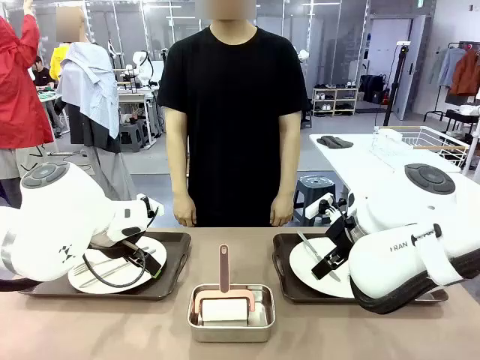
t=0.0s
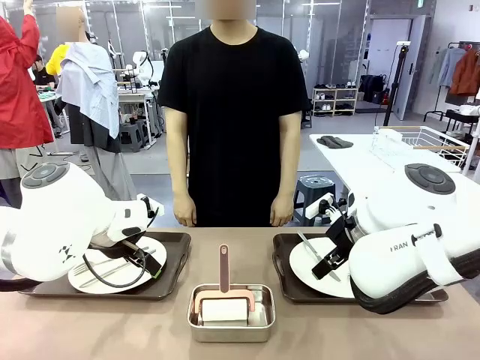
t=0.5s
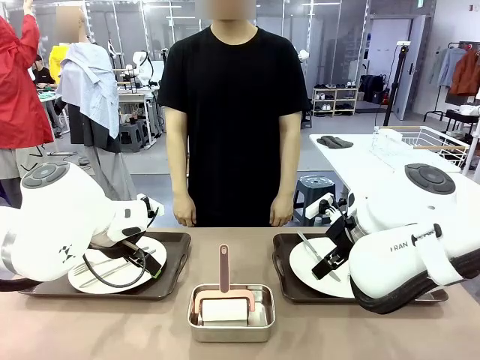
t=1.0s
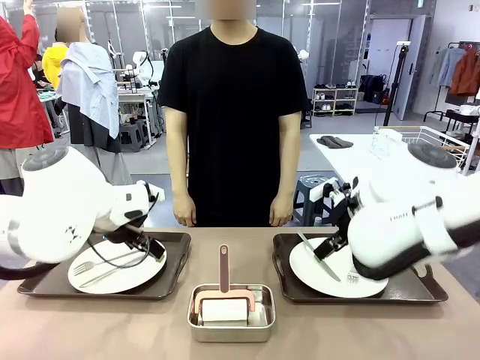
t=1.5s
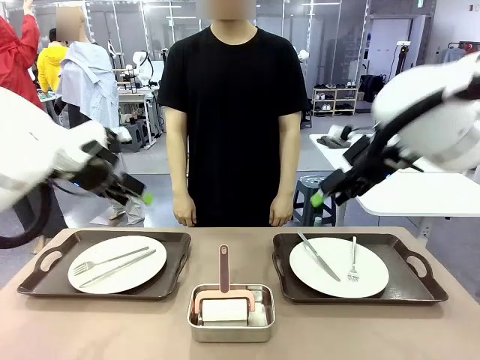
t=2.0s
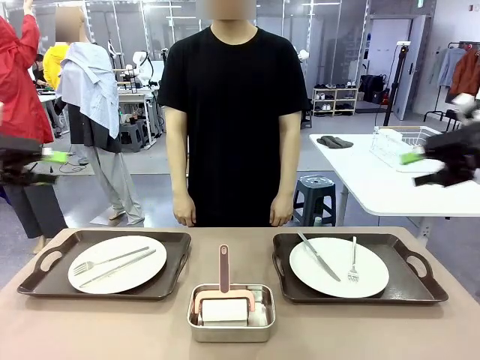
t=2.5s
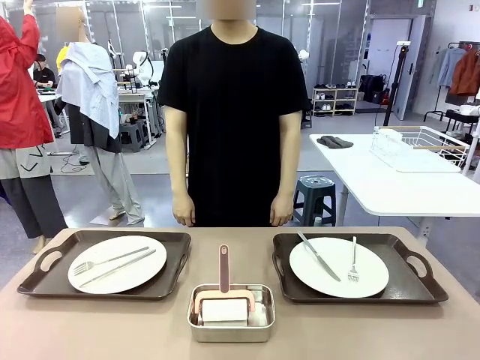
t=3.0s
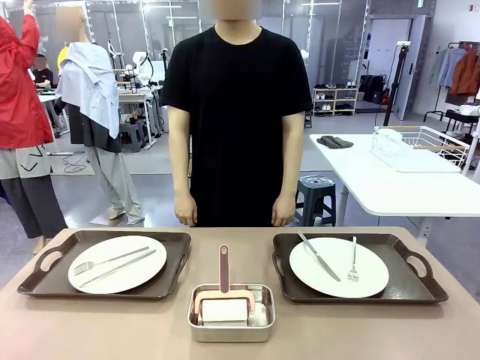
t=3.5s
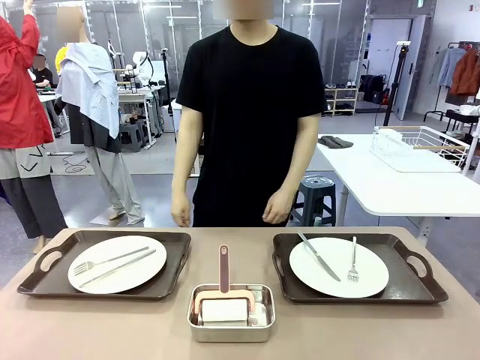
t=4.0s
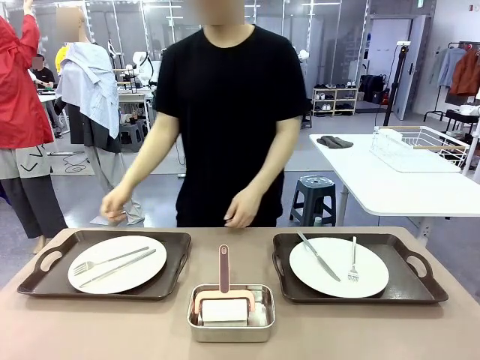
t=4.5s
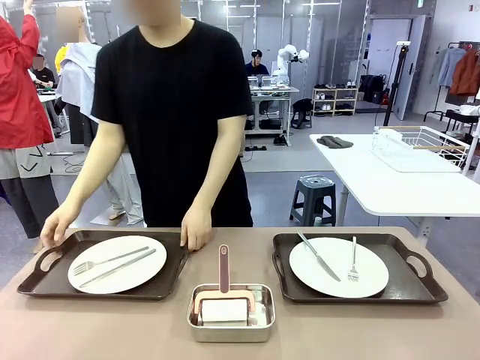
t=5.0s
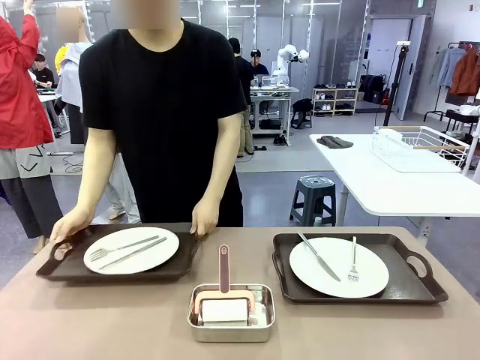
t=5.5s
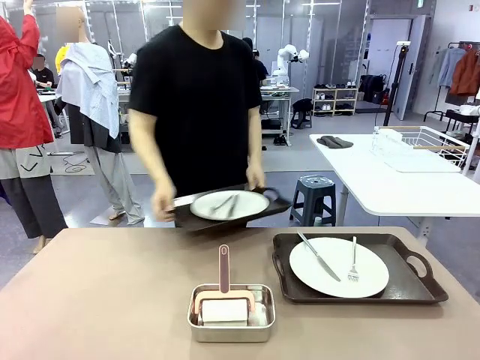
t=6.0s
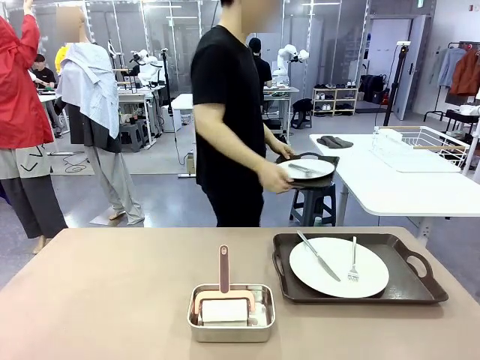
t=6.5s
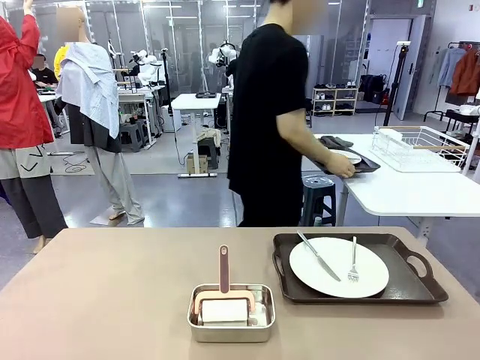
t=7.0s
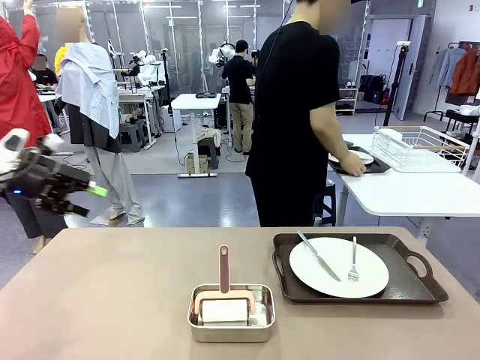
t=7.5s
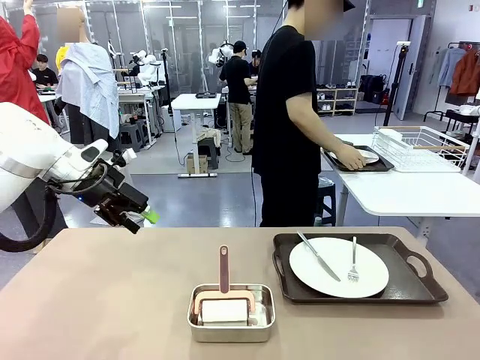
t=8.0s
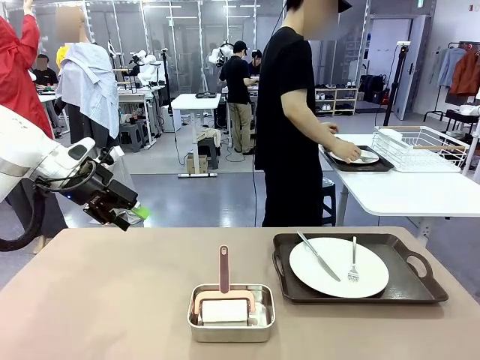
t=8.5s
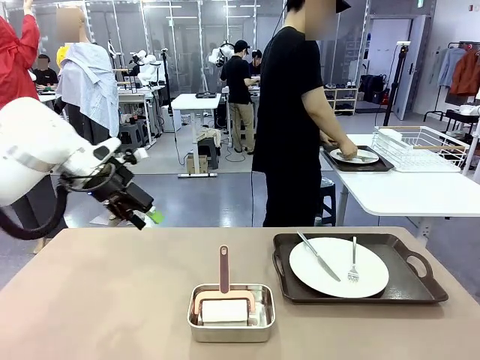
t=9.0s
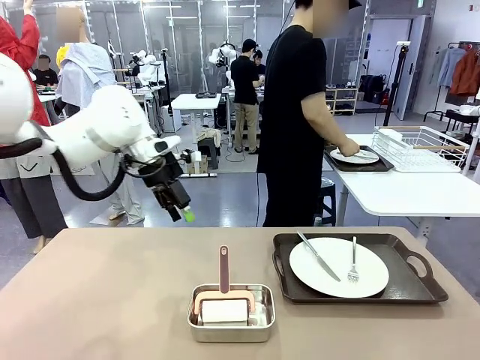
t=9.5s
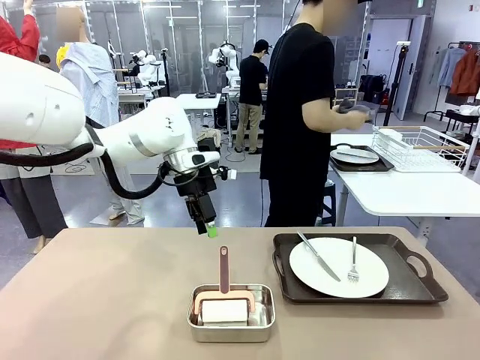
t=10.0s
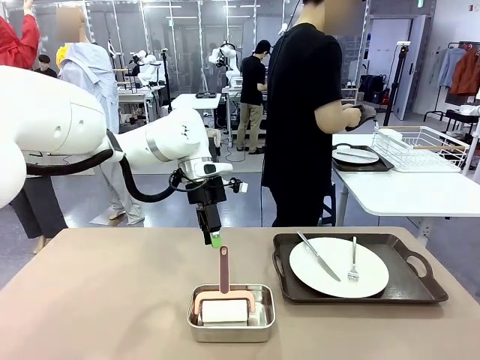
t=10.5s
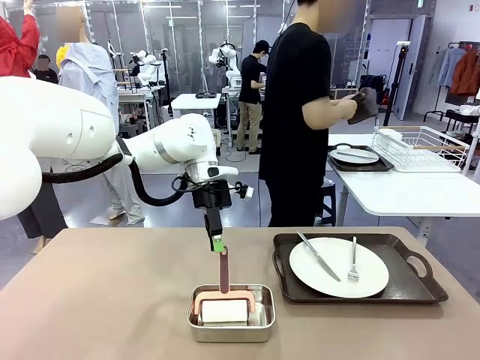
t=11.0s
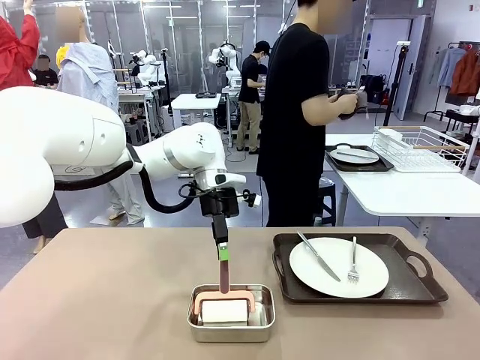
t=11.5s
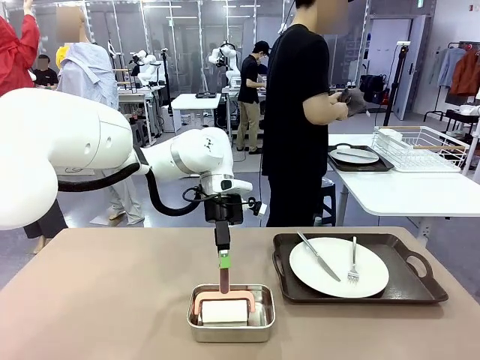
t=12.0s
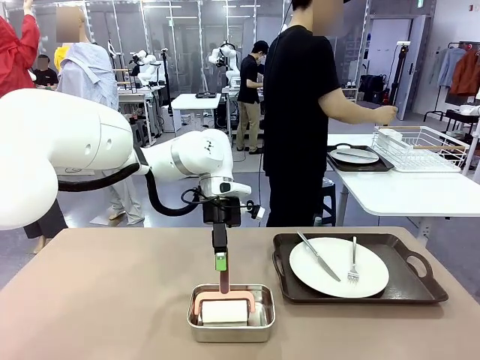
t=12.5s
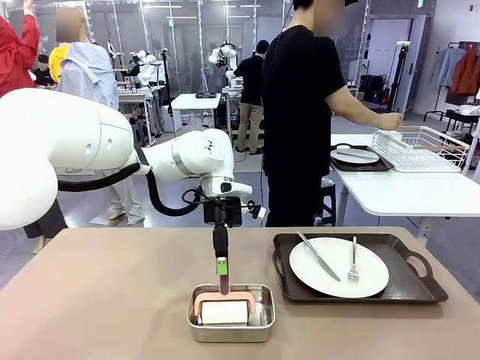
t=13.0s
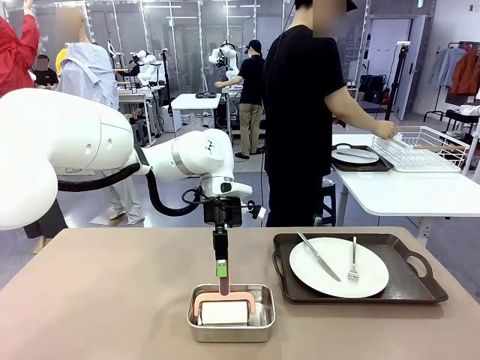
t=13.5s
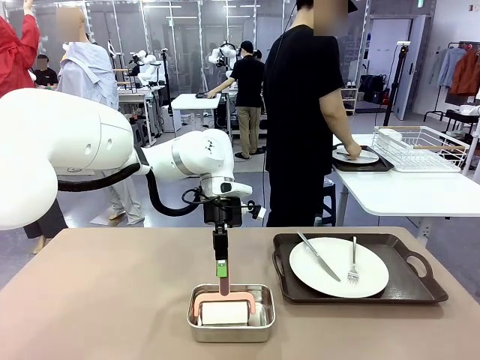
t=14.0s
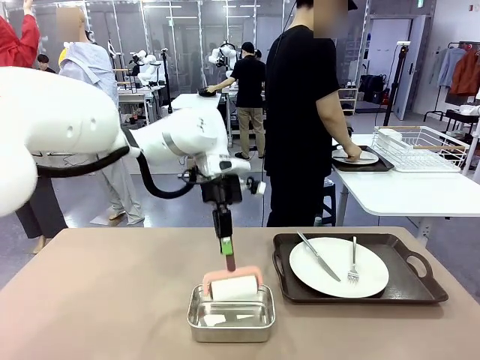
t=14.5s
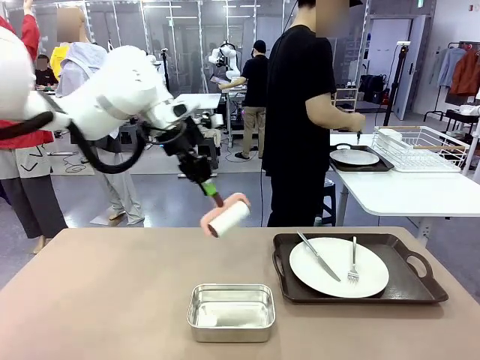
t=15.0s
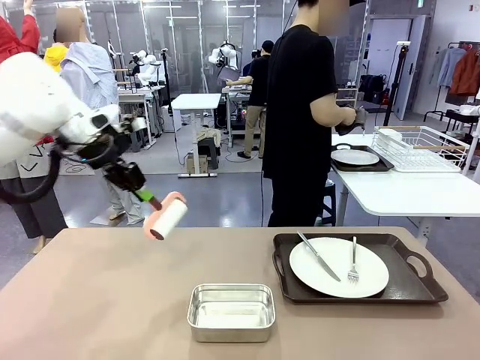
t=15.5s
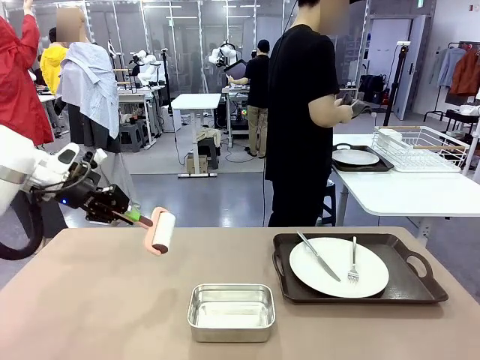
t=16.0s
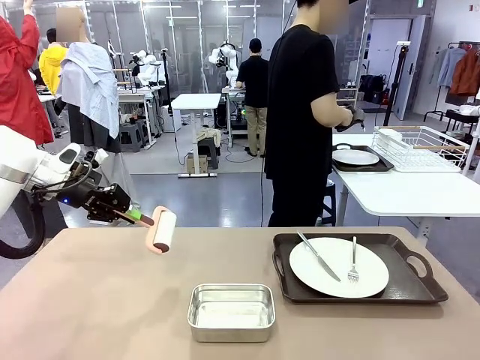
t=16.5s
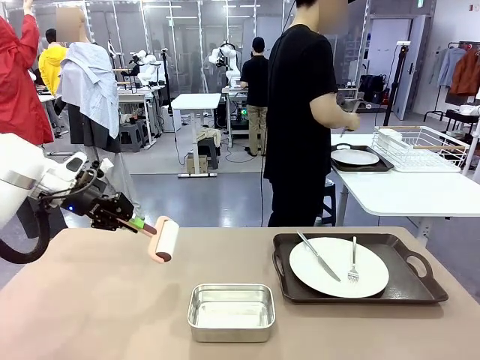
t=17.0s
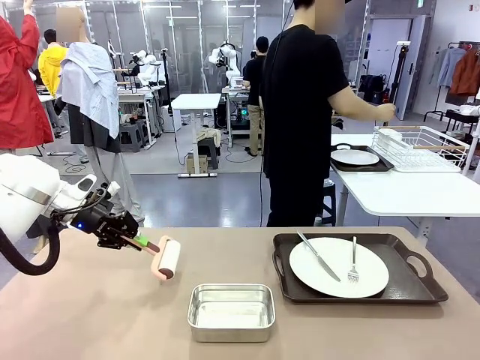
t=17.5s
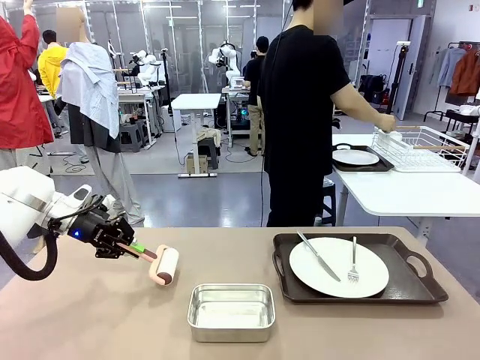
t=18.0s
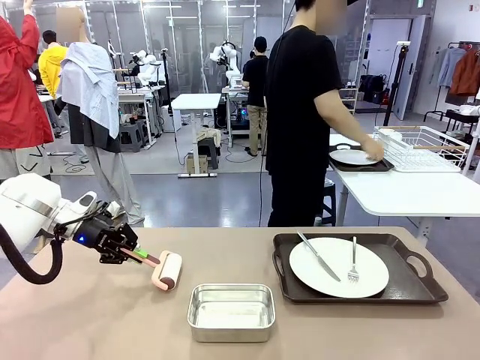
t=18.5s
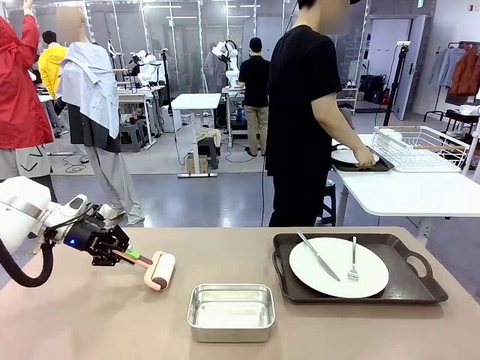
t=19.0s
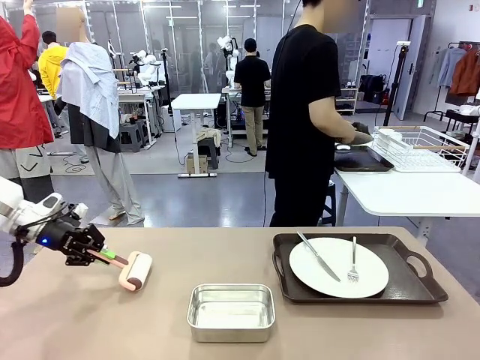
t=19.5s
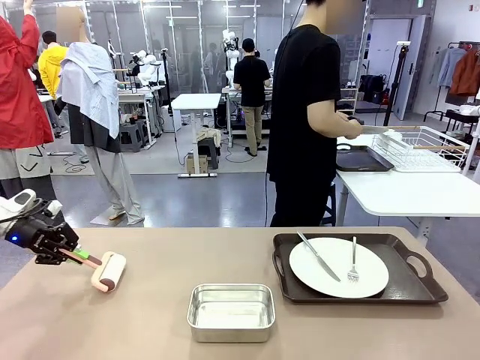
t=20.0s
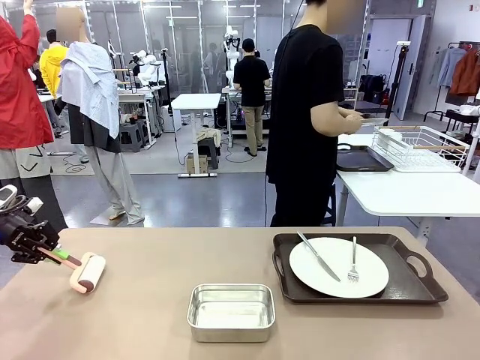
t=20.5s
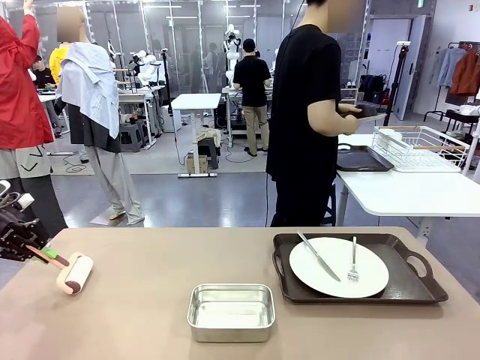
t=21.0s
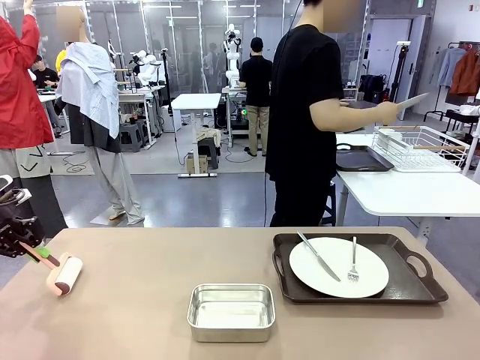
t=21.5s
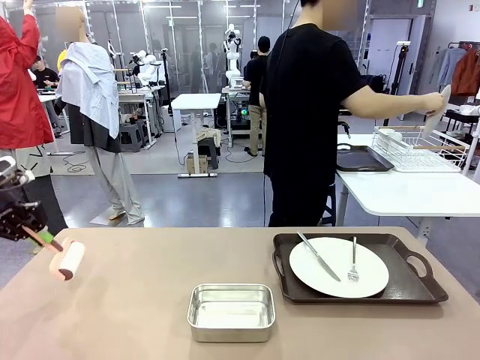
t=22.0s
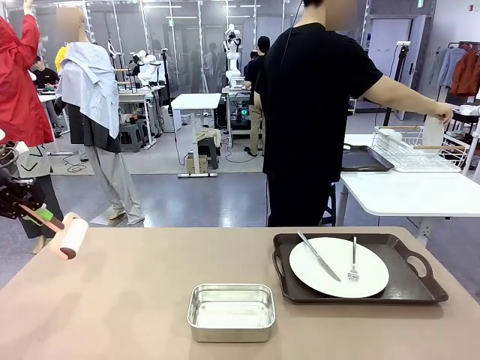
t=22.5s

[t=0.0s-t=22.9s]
Robot: When the left (or right) Handle tray is removed, use the left hand (or right hand) to clean the left (or right) side of the table with the Lint Roller.
Person: Pick up the left (or right) Handle tray and place it on the middle of the Human's table. Use the Towel with hook to wipe the Plastic Matte Plate , Fork , and Knife and place into the Dish drying rack.

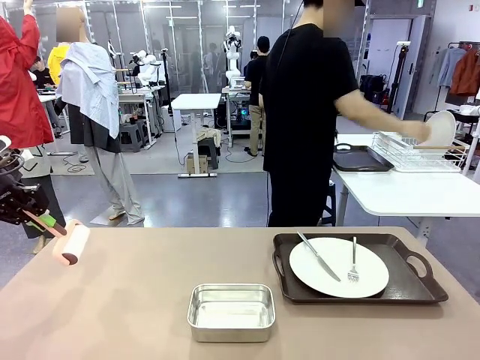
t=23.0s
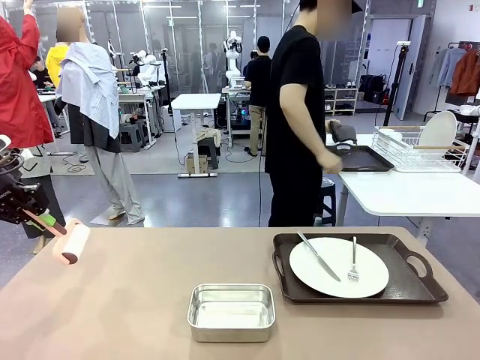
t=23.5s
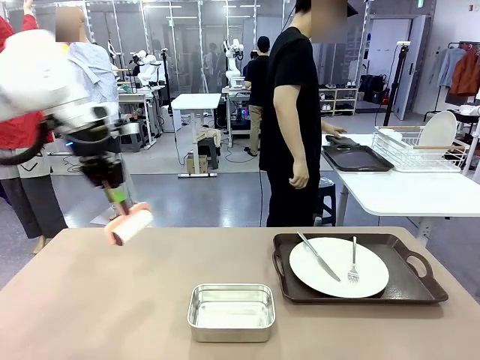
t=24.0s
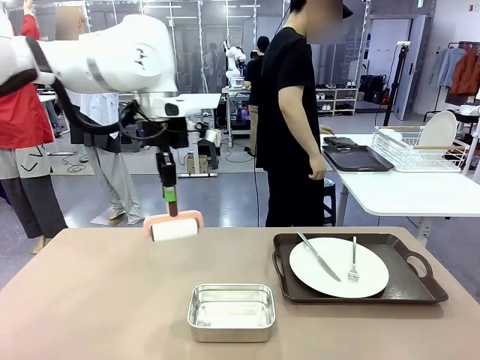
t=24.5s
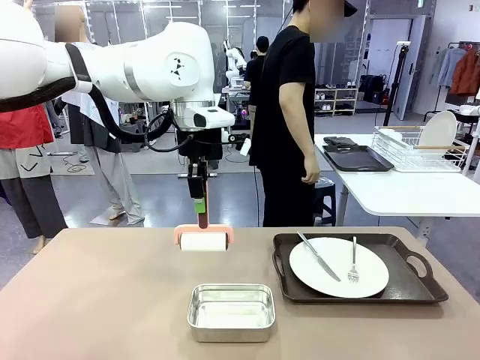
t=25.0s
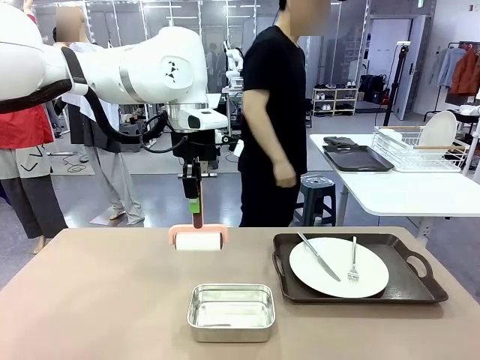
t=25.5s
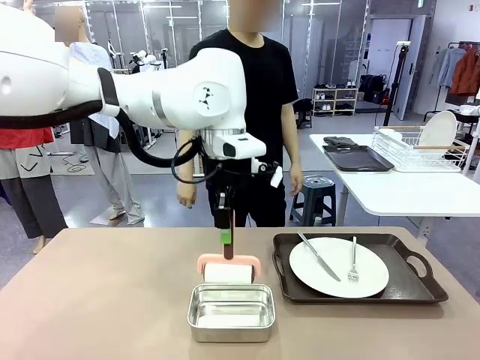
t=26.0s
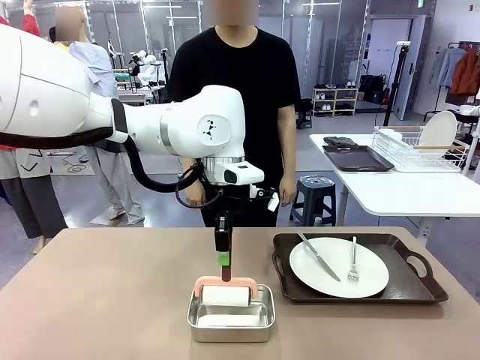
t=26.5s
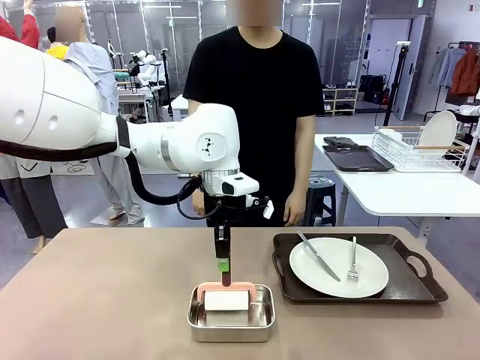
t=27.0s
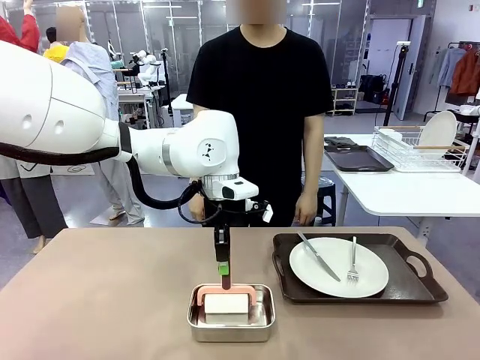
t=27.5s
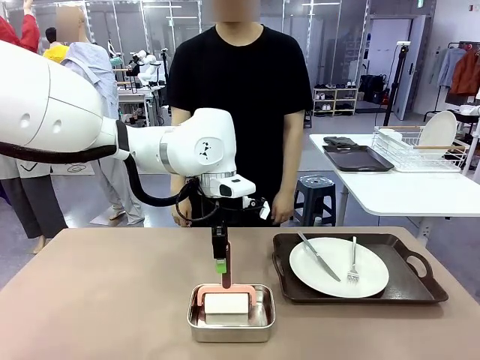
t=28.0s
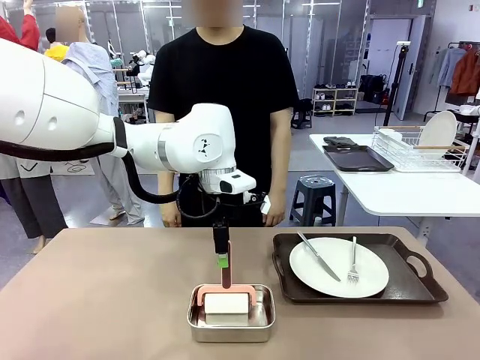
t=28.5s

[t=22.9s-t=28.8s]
Robot: Place the Lint Roller back on top of the Airtight Container.
